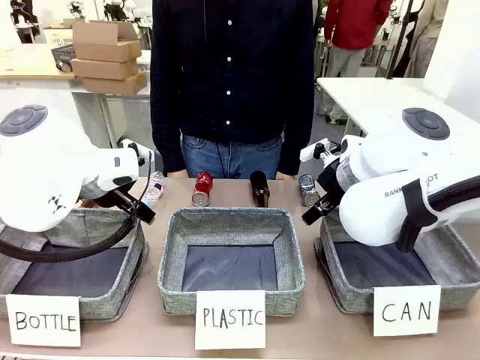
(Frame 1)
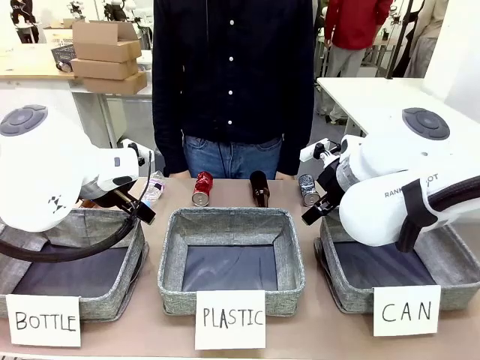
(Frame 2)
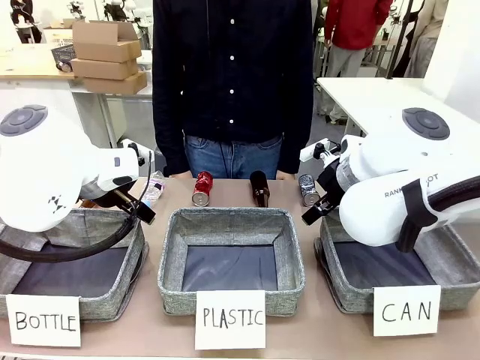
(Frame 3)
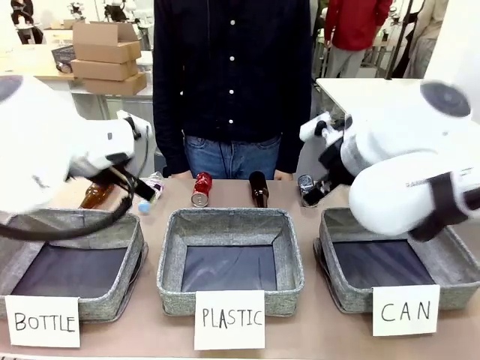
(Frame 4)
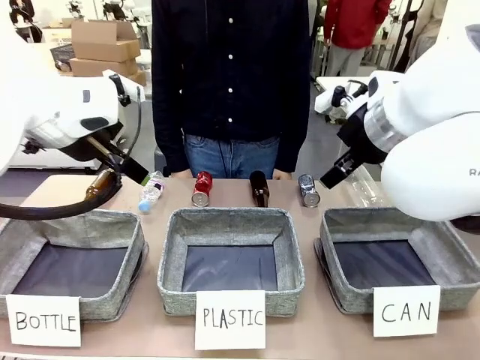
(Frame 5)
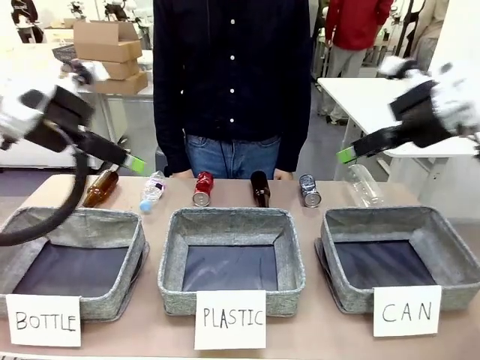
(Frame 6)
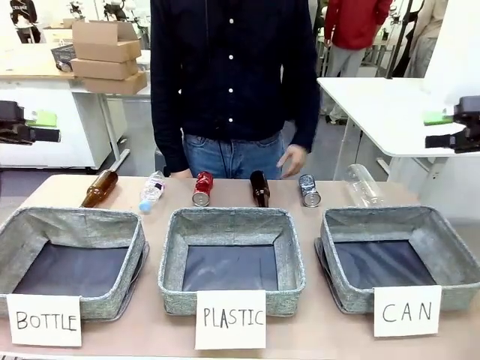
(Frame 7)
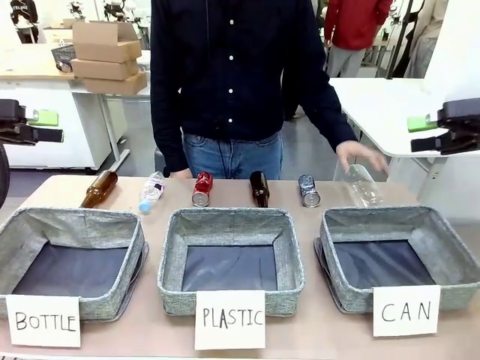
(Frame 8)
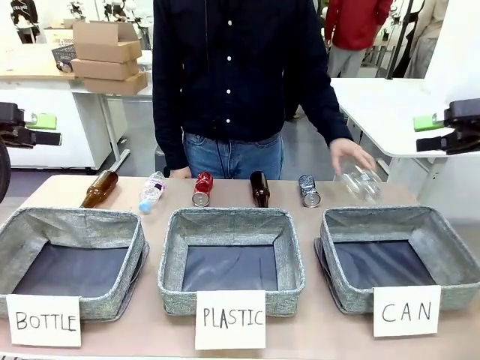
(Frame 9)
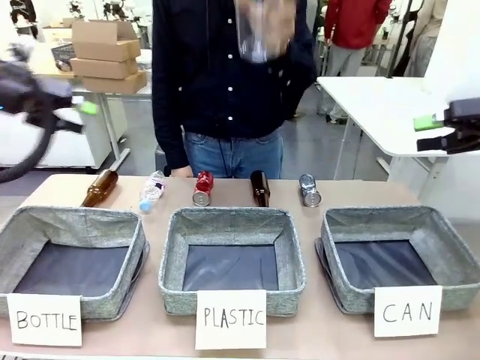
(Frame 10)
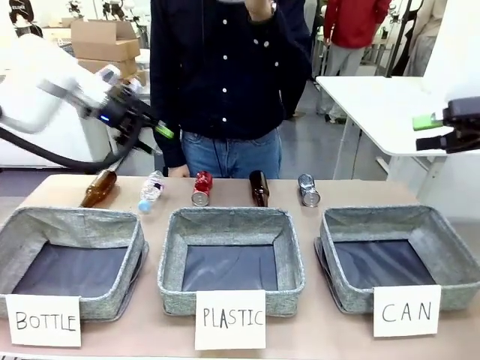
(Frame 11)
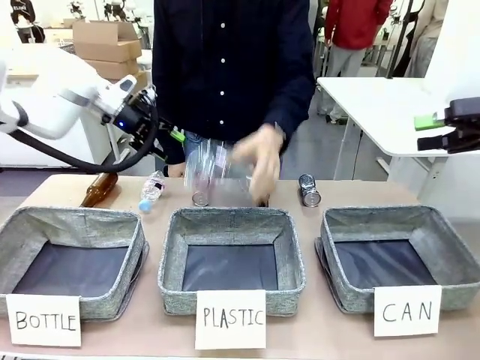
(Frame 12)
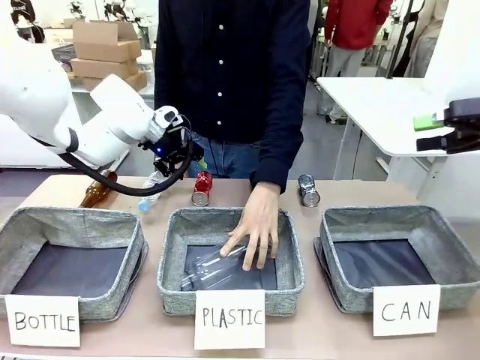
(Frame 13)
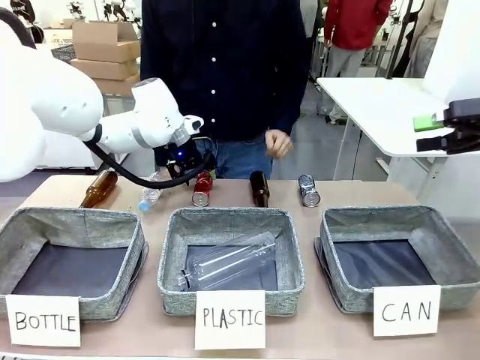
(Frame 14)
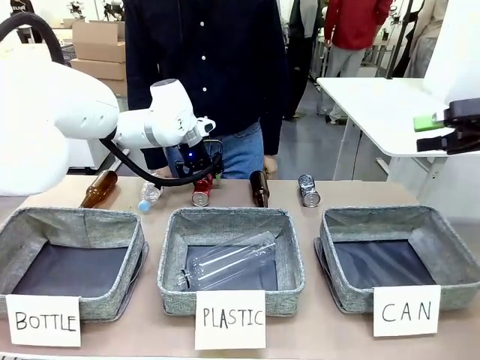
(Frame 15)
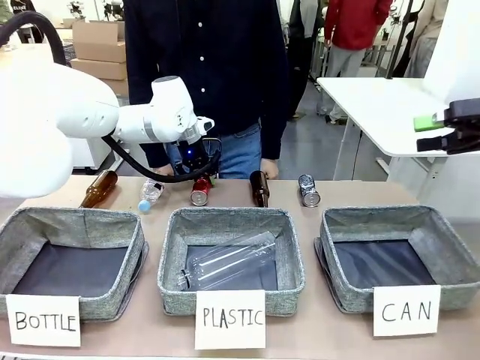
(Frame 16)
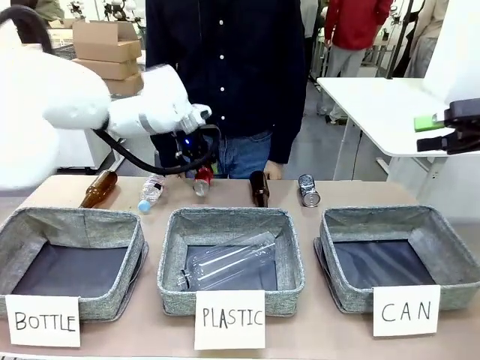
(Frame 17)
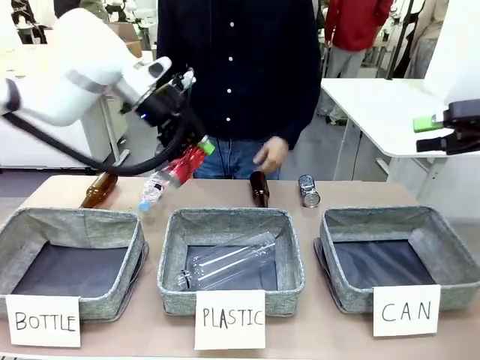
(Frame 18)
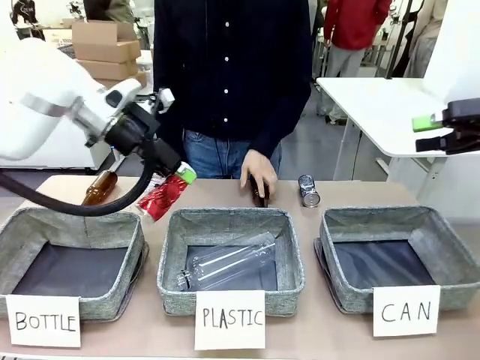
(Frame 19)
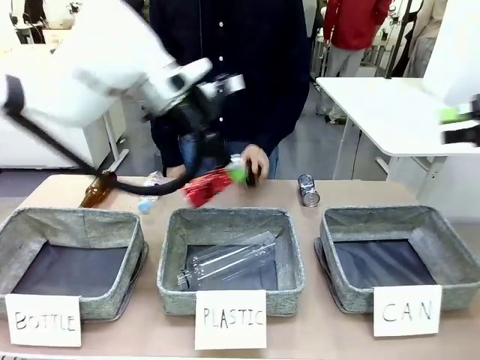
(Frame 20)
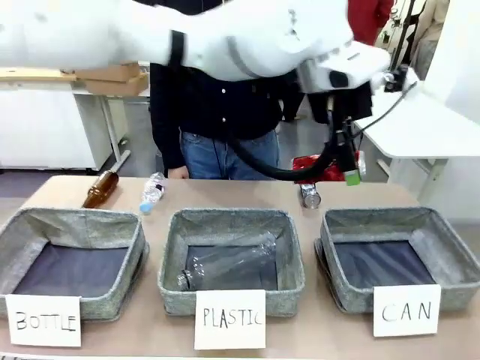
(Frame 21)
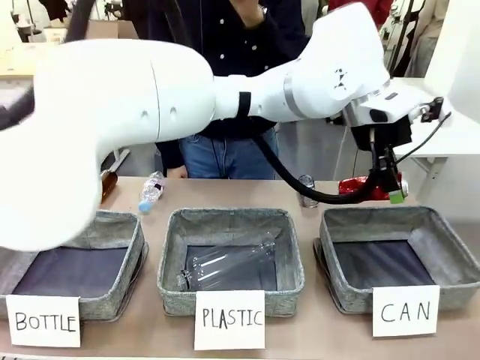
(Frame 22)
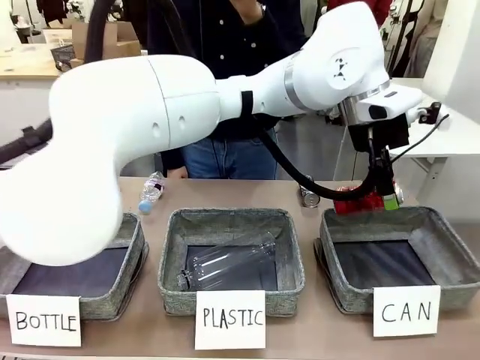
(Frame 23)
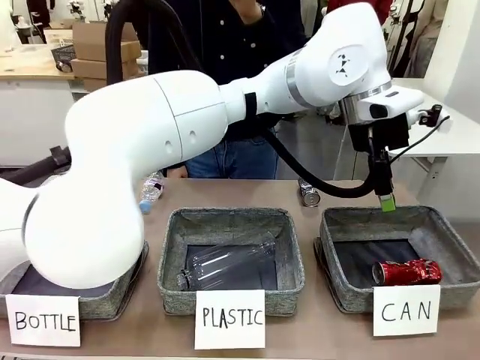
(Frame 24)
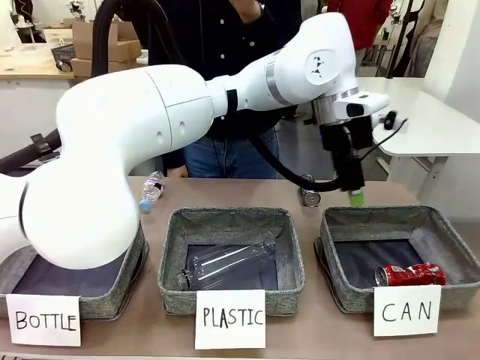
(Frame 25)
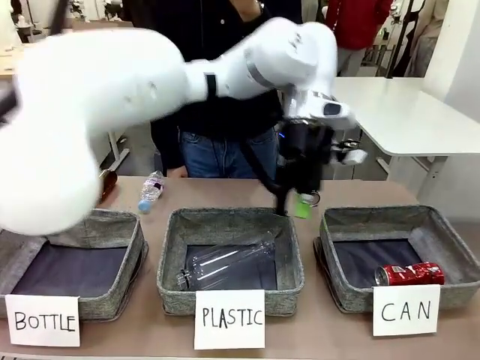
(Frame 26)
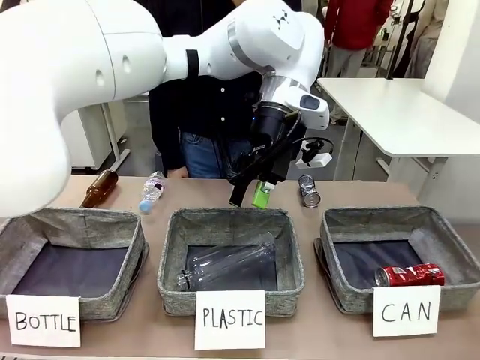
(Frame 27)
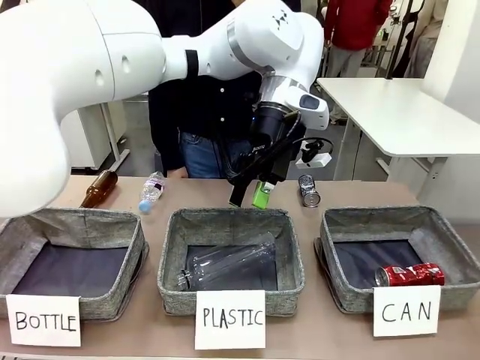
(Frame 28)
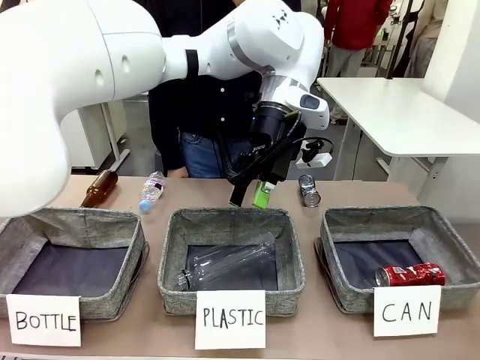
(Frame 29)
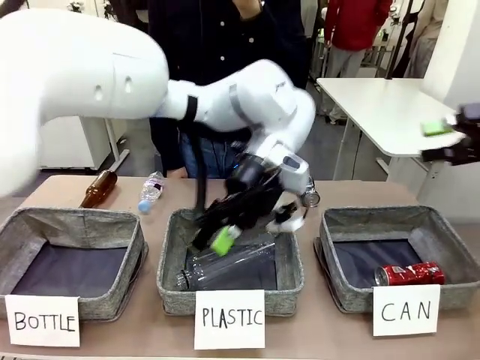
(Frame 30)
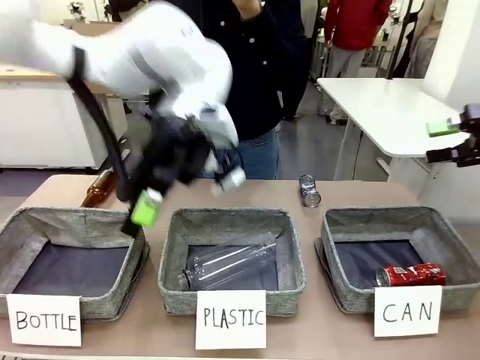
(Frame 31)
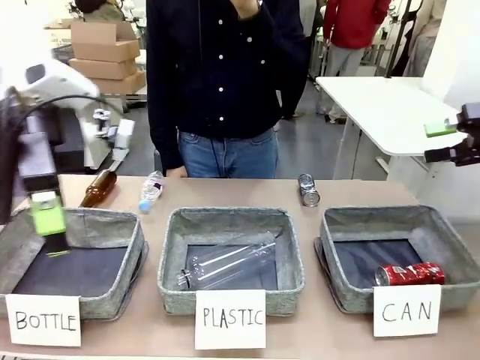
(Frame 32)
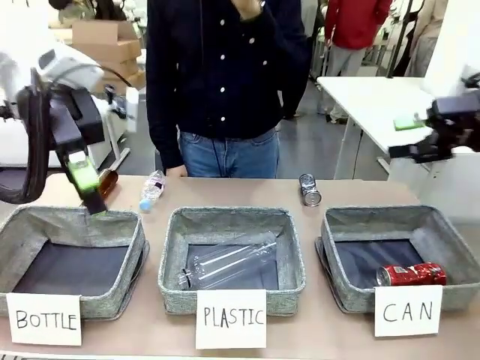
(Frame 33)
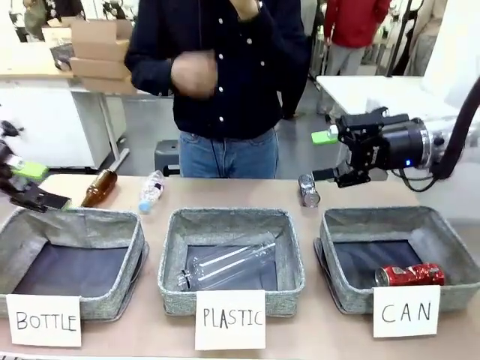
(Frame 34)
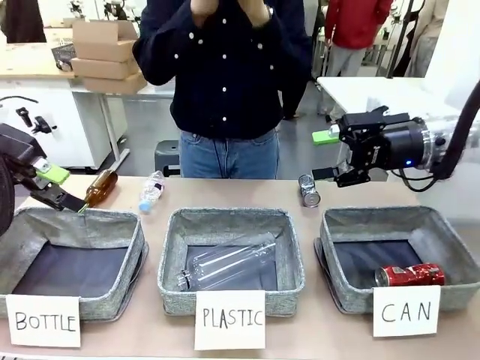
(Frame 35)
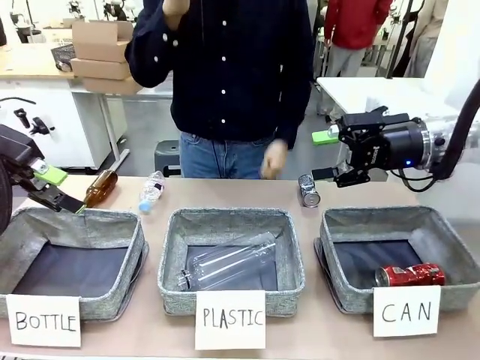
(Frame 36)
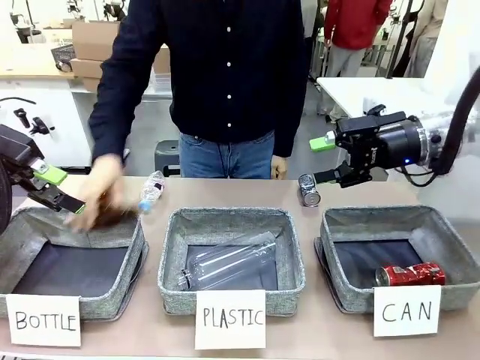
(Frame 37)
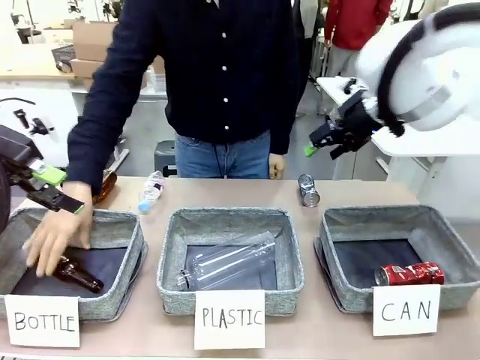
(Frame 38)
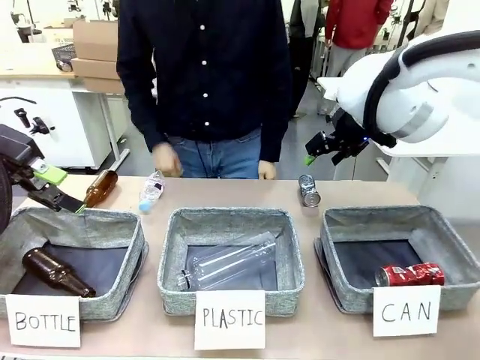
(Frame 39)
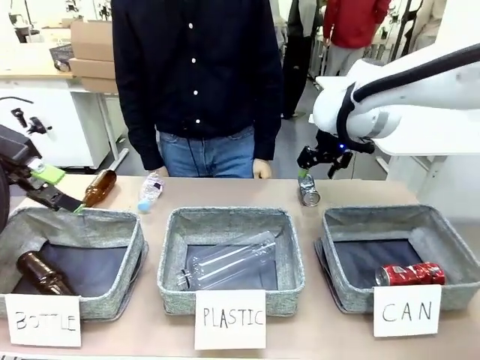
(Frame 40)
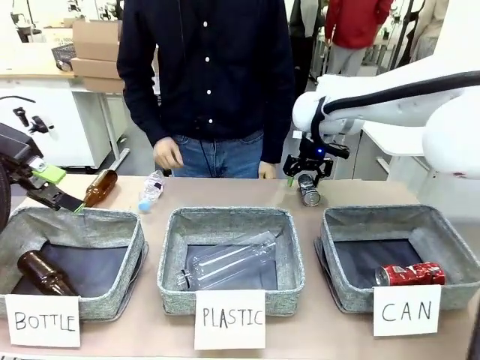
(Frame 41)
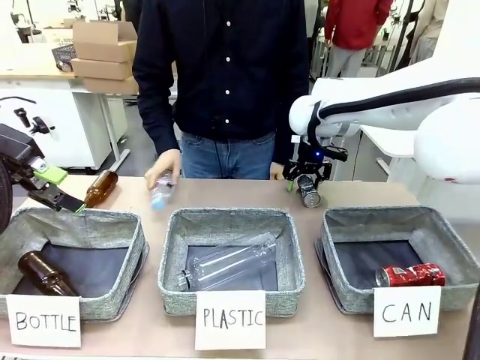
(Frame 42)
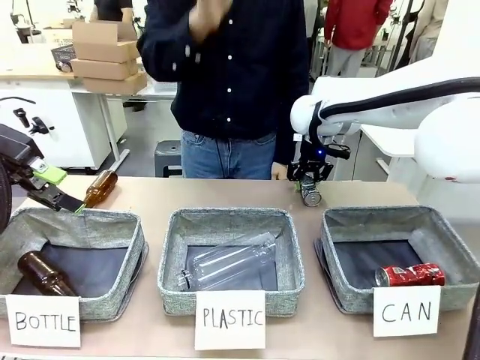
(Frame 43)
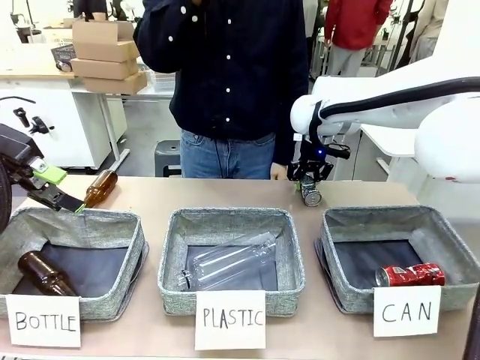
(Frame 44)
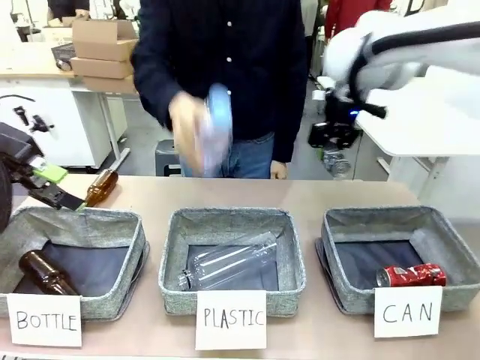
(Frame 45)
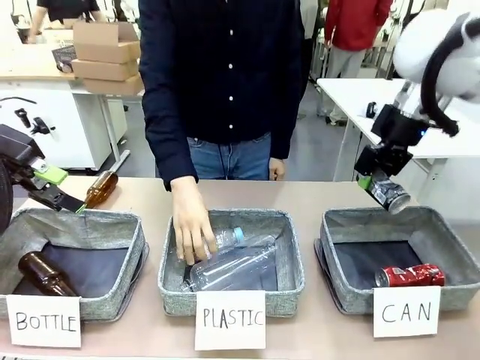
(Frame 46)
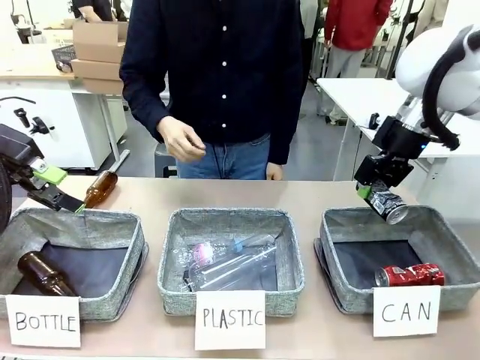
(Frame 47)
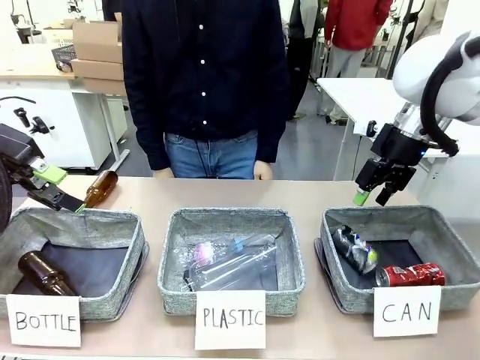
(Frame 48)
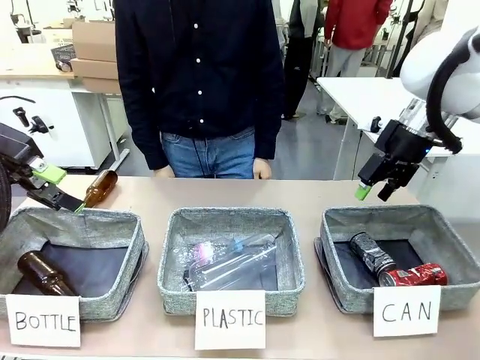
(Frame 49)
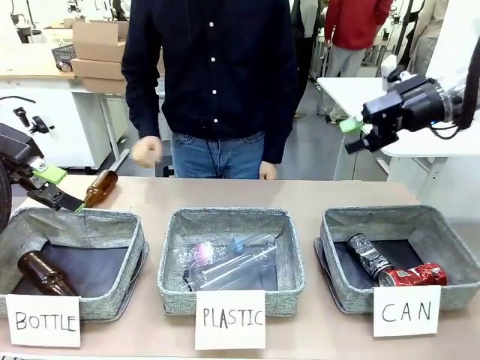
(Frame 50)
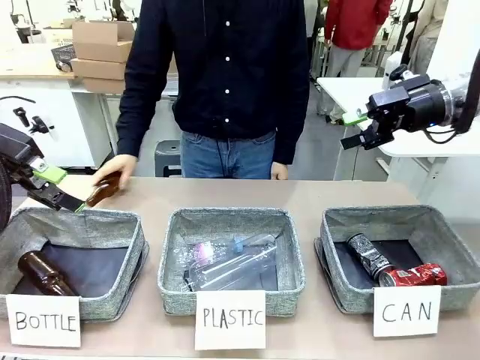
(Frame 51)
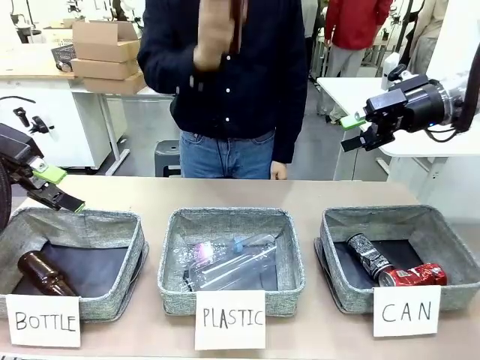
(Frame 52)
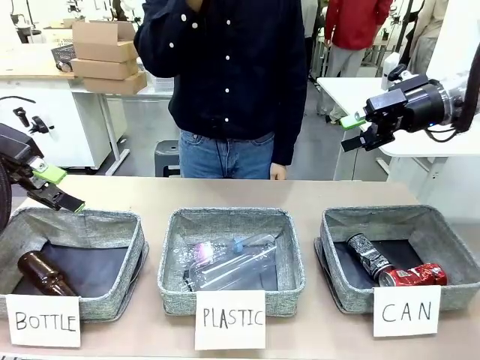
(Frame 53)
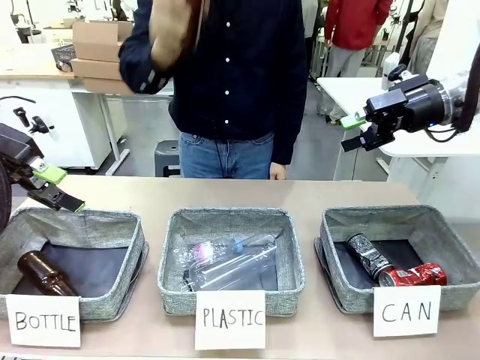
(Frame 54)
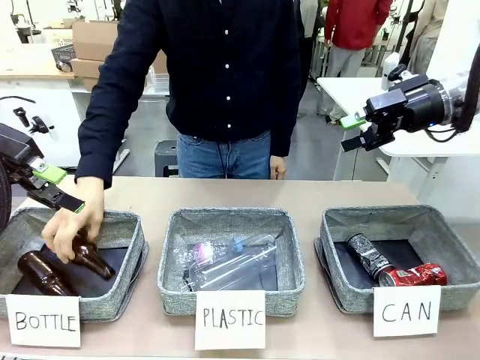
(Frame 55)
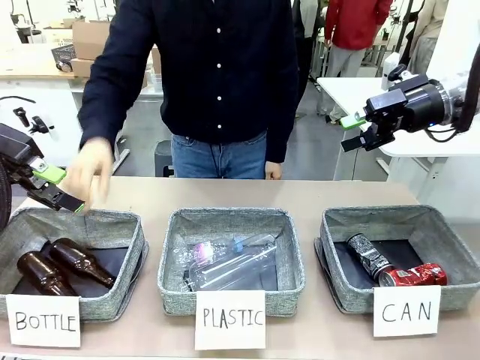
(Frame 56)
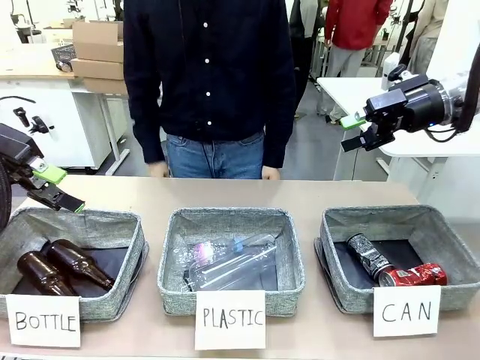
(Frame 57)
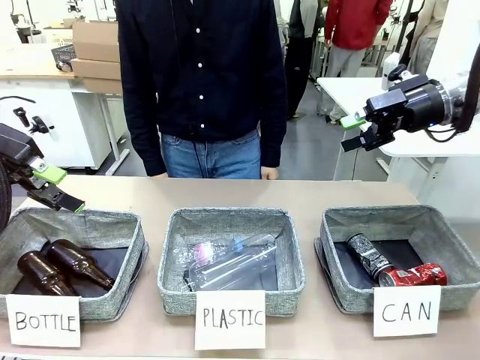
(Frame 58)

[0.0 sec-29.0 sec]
Task: Sort the can waste into the basket.
Robot: Pick up the can waste from the table and place it in the right Fabric basket.
Person: The human picks up one piece of trash that is not a can and places the trash into the appropriate organizing basket.
